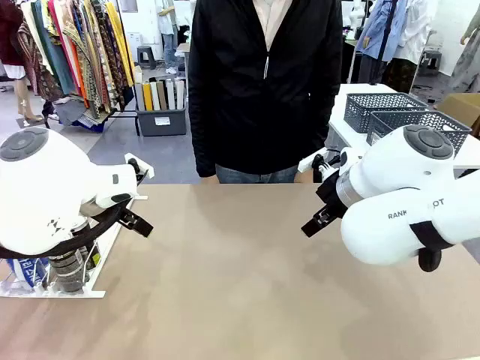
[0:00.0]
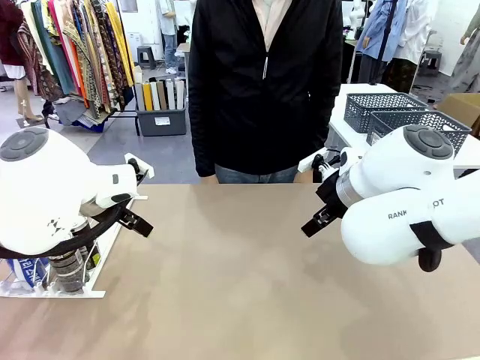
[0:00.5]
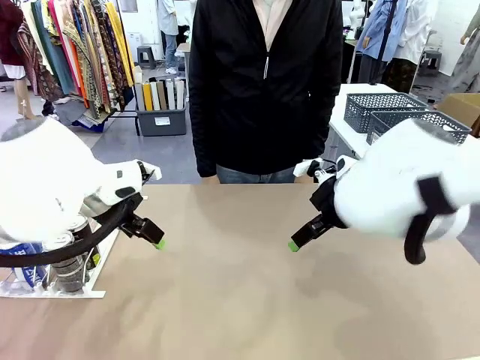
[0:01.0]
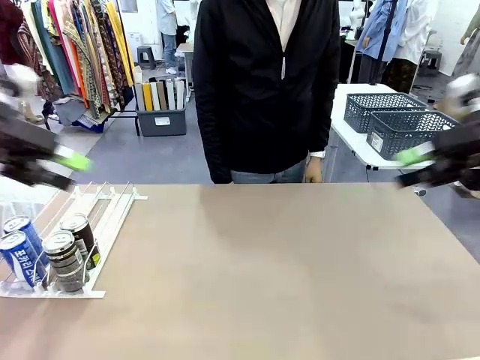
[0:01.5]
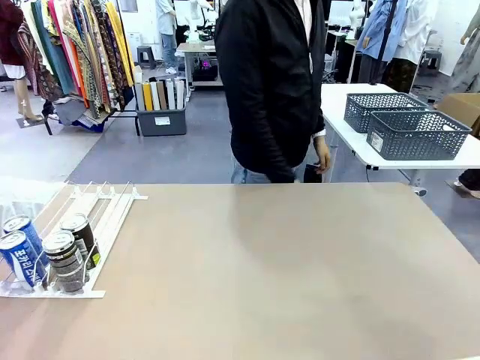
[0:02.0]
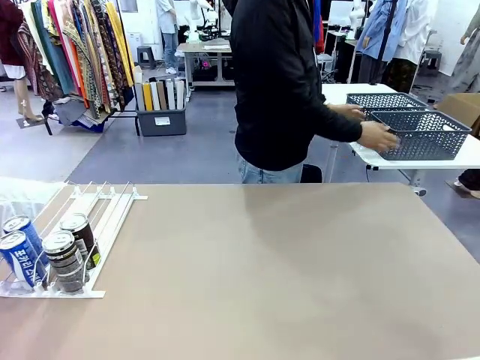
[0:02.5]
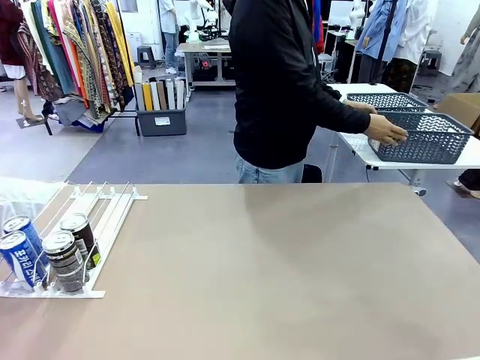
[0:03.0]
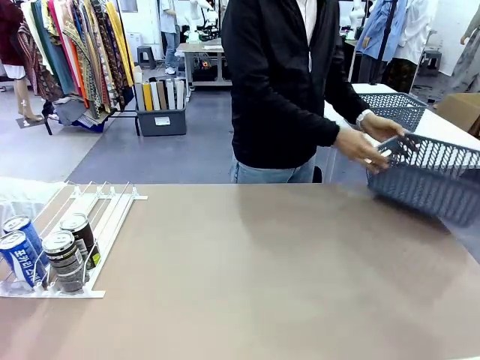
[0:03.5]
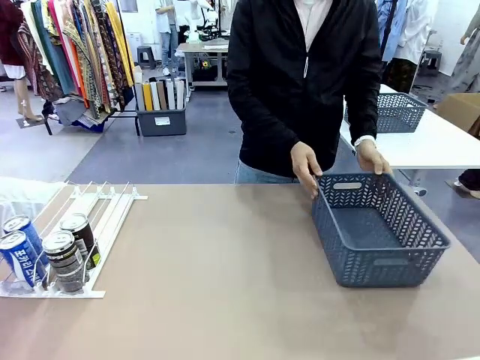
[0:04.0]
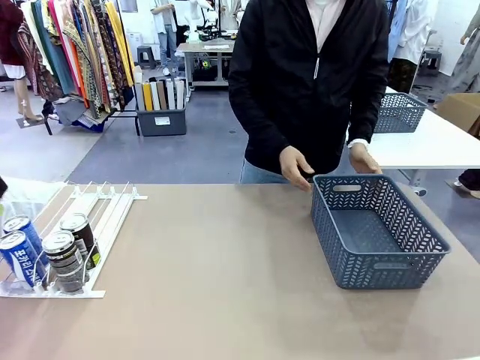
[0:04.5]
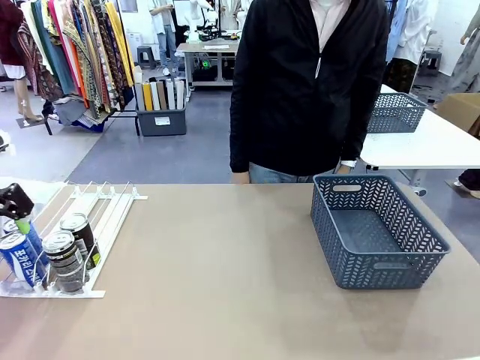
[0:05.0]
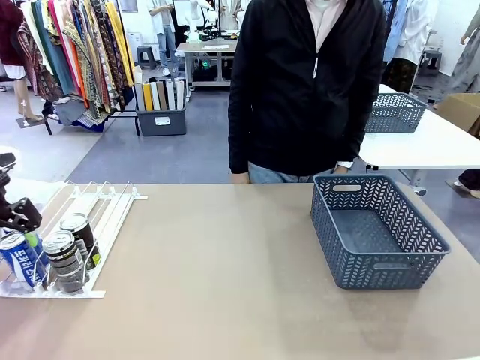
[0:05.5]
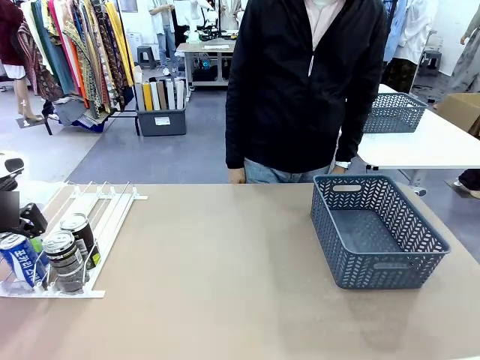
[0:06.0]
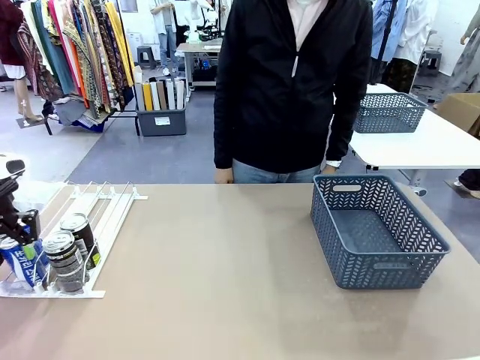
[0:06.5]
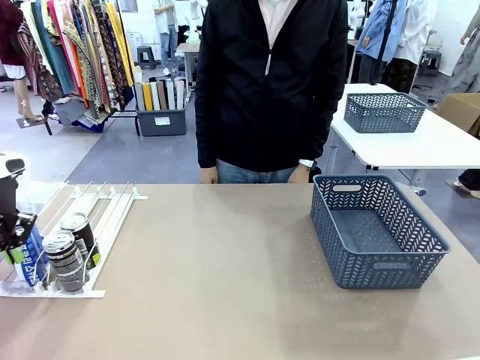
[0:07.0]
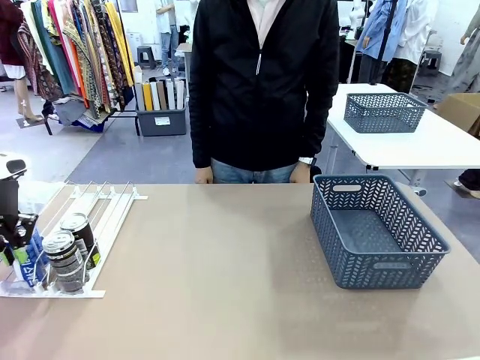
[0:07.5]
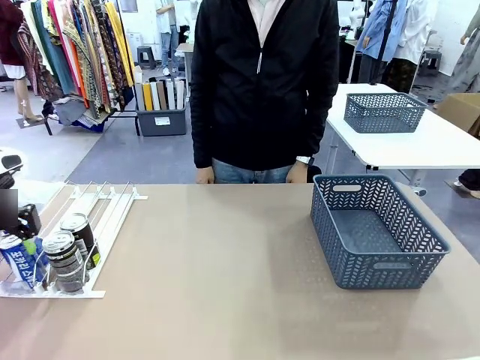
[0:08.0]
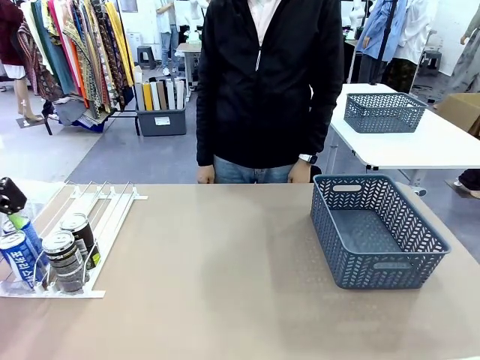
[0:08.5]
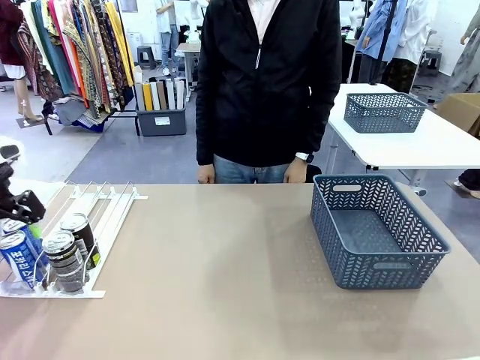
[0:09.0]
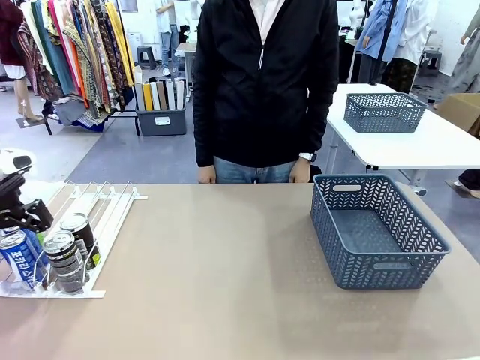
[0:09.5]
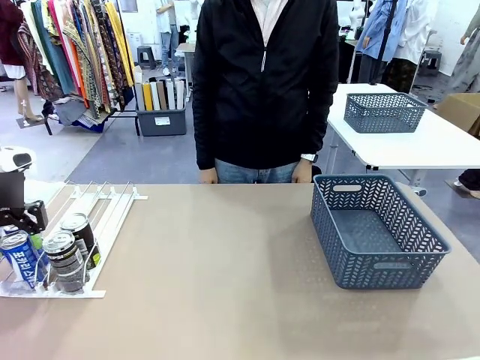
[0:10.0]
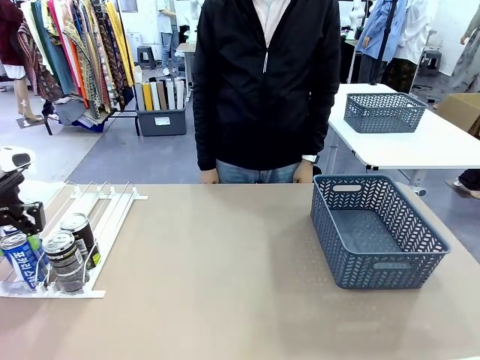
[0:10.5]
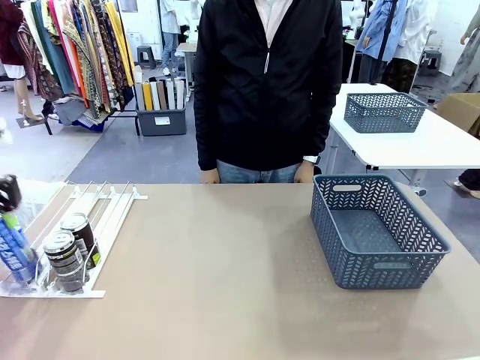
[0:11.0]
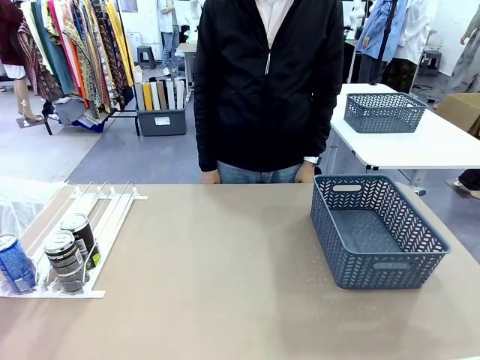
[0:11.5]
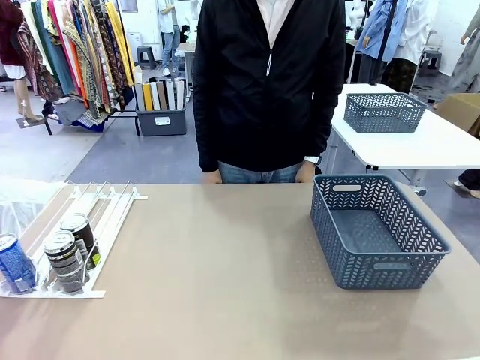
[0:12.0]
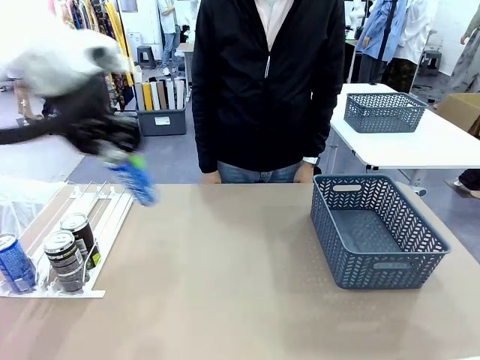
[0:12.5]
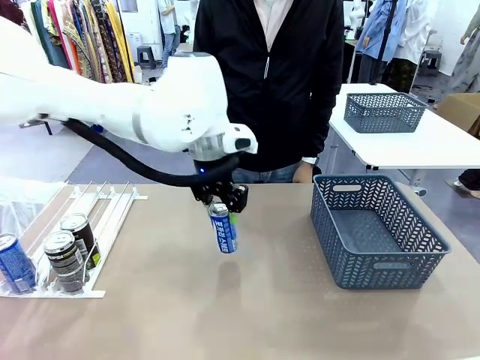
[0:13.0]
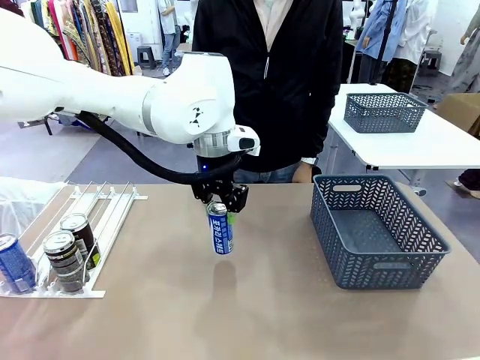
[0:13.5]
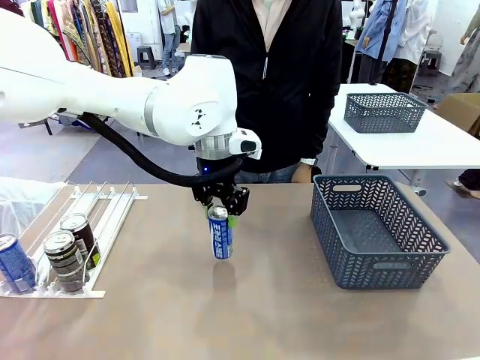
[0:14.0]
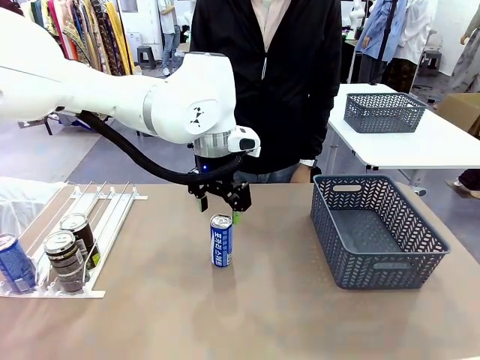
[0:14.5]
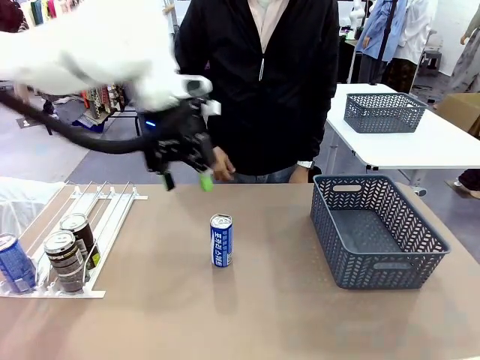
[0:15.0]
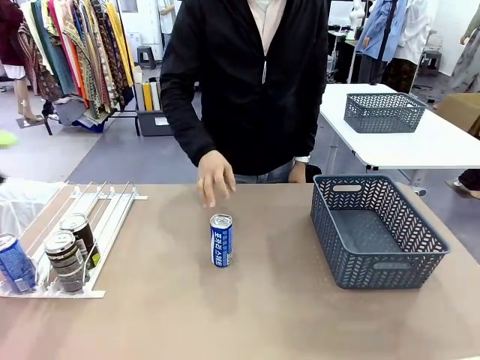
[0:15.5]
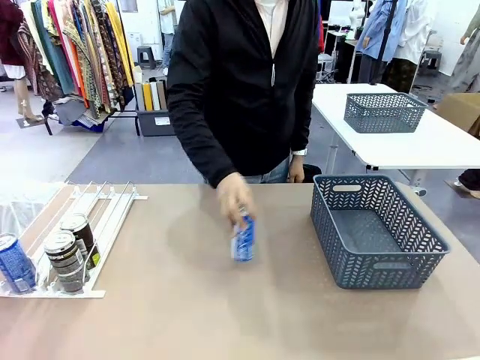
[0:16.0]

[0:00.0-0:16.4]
Task: Retrieve and store the cans from the dispenser.
Robot: Pick up one can from the Automatic Can Dispenser and place it in the middle of the table.
Person: Pick up the basket and place it on the left side of the robot table.

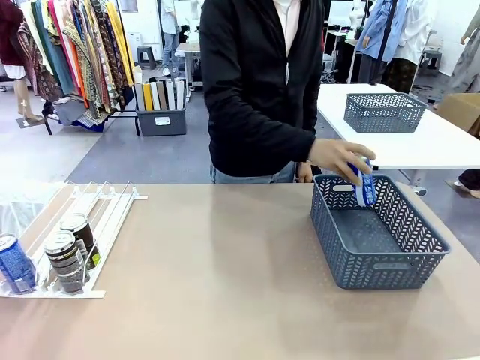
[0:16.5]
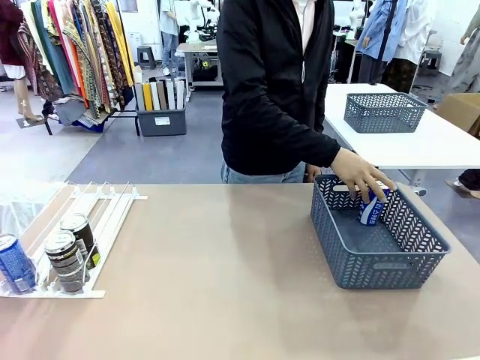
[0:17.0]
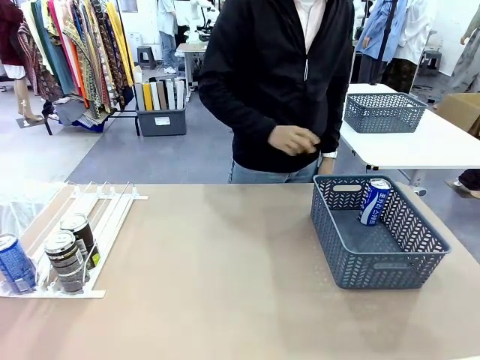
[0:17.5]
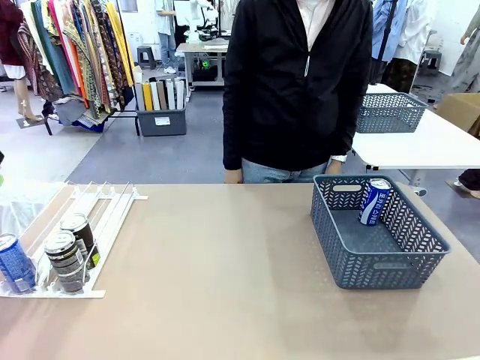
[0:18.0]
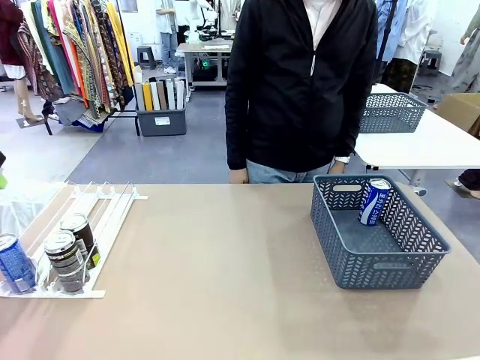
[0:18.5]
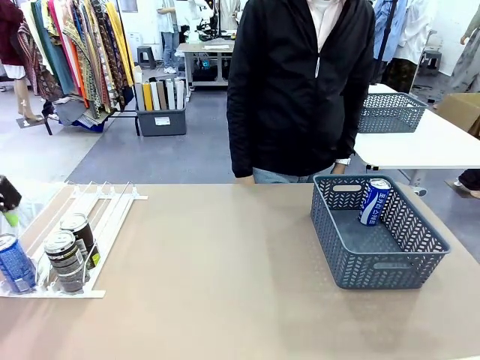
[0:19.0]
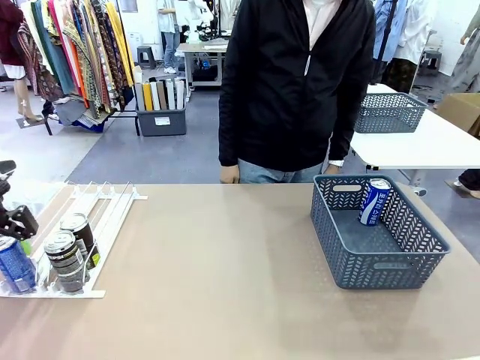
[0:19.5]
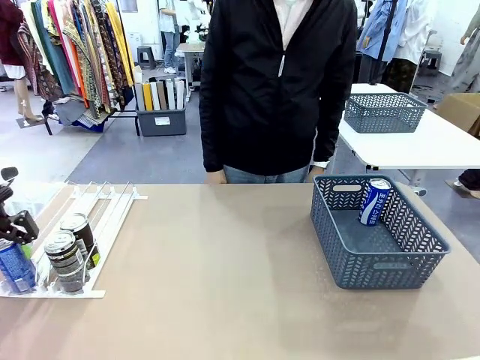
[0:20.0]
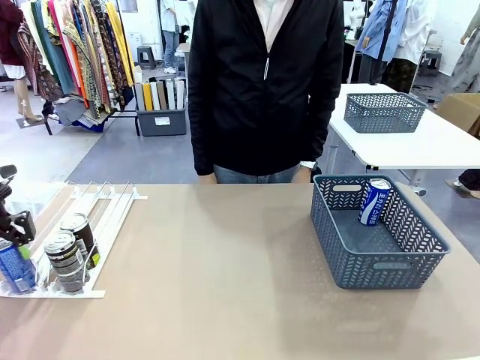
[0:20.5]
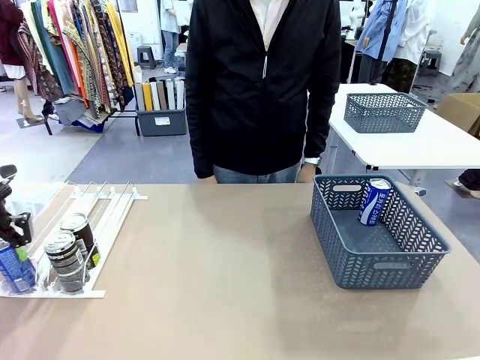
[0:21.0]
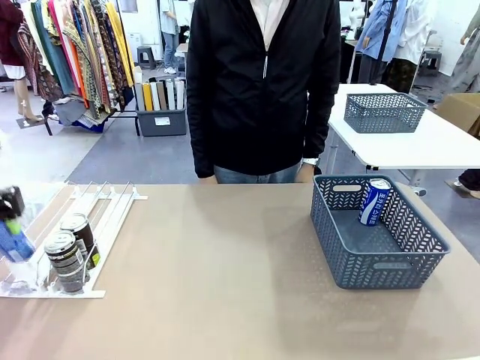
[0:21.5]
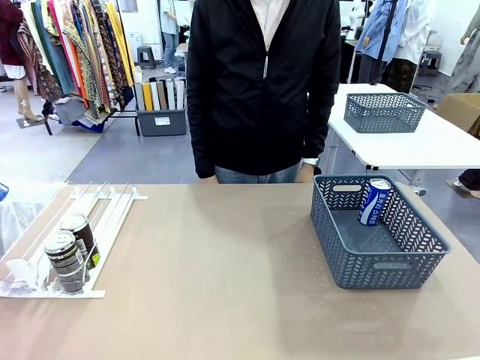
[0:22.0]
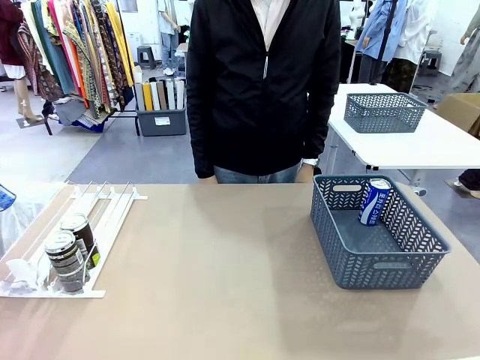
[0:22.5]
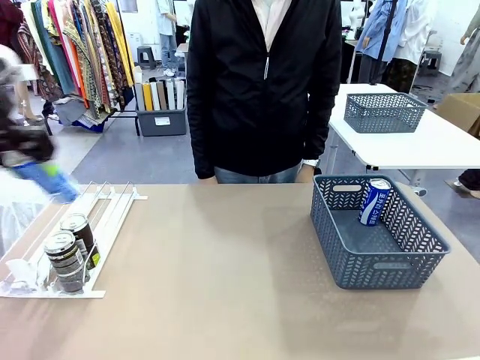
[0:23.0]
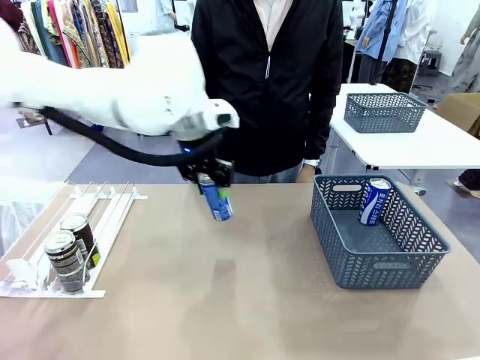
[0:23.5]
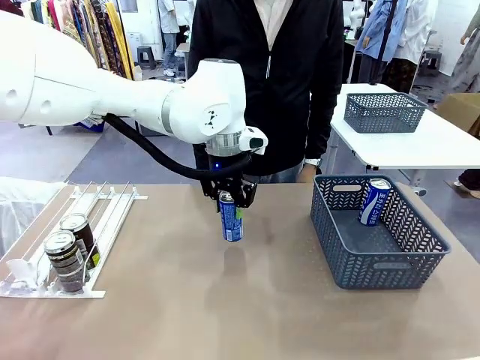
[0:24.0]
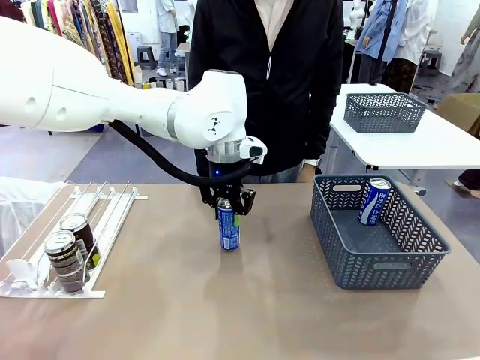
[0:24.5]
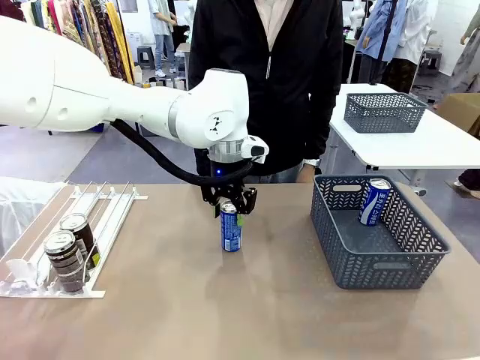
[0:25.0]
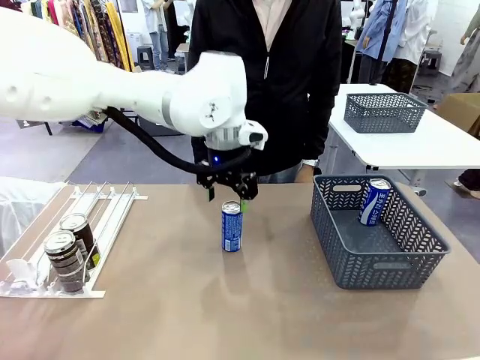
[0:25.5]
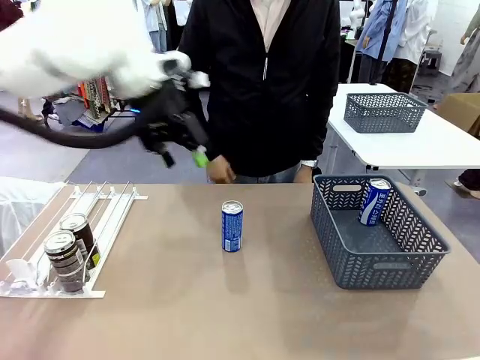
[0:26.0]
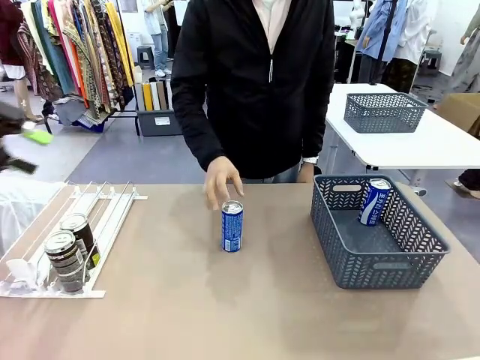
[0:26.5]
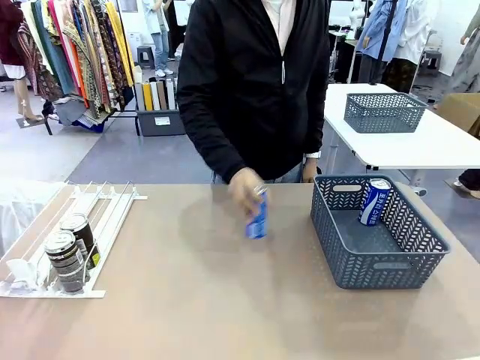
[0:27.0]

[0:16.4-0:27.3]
Robot: Pick up the last remaining can from one row of the Automatic Can Dispenser and place it in the middle of the table.
